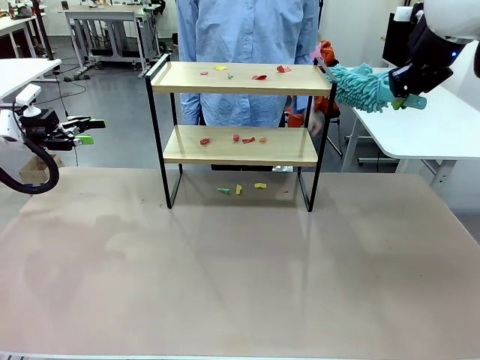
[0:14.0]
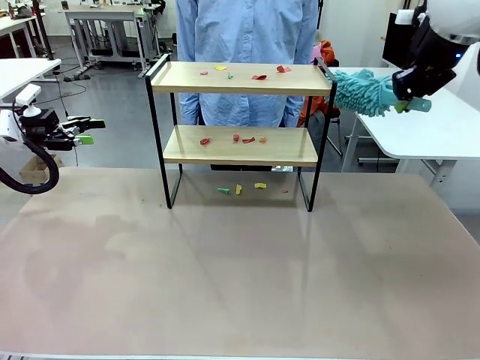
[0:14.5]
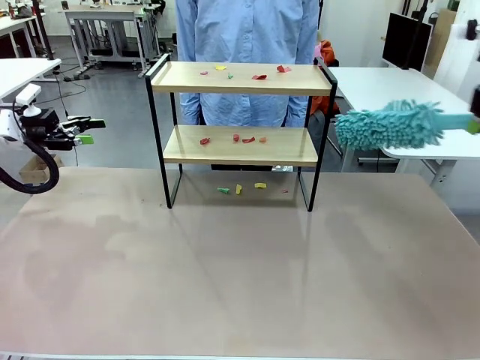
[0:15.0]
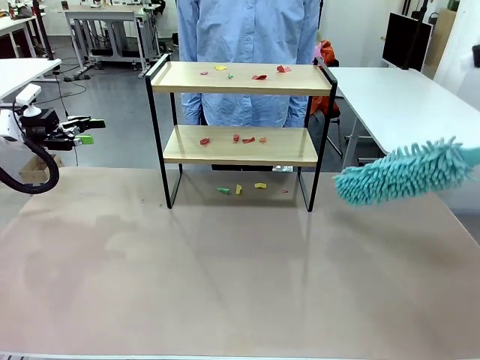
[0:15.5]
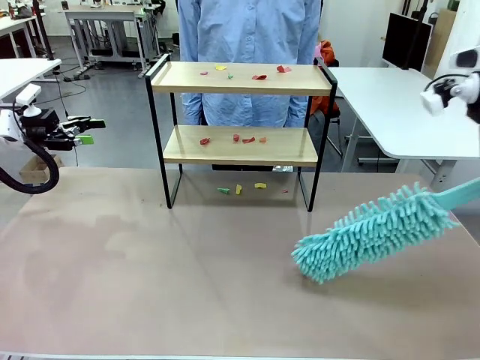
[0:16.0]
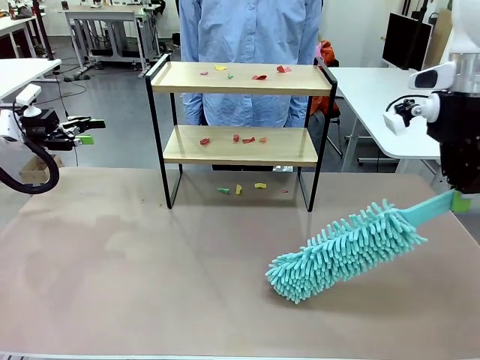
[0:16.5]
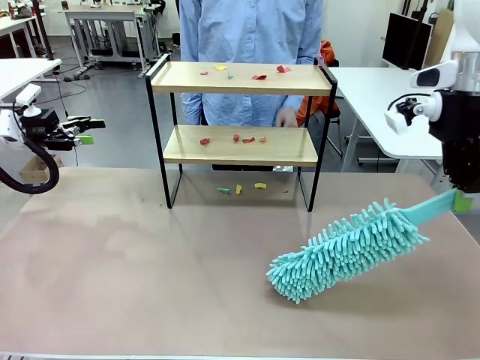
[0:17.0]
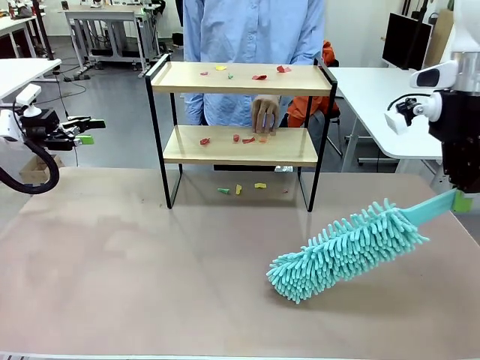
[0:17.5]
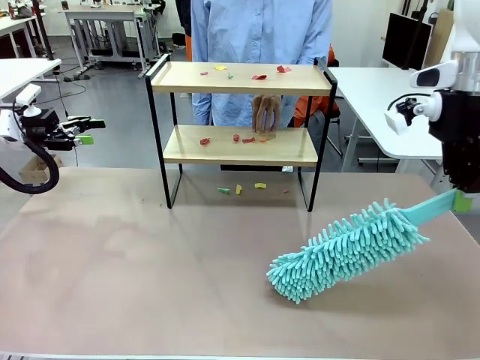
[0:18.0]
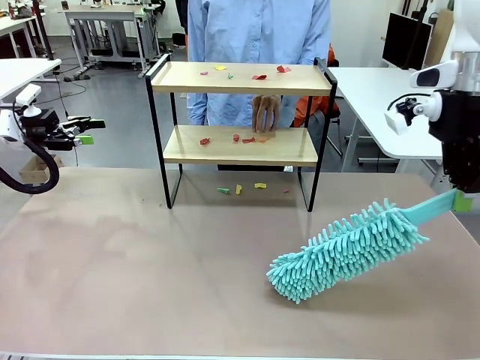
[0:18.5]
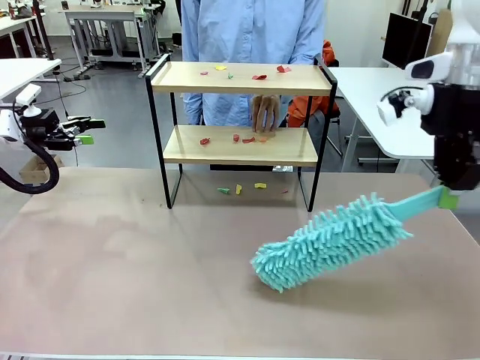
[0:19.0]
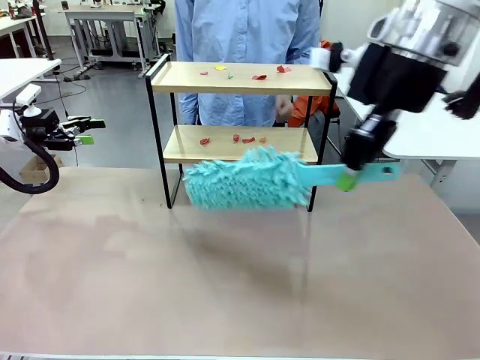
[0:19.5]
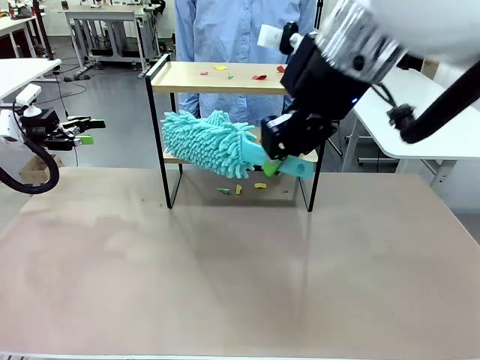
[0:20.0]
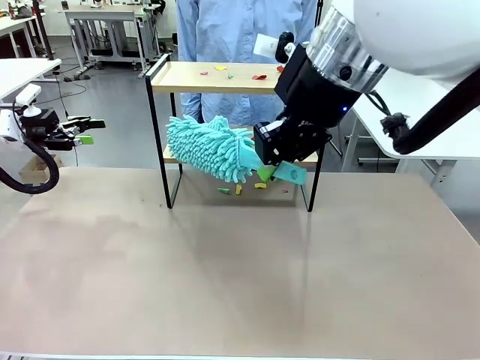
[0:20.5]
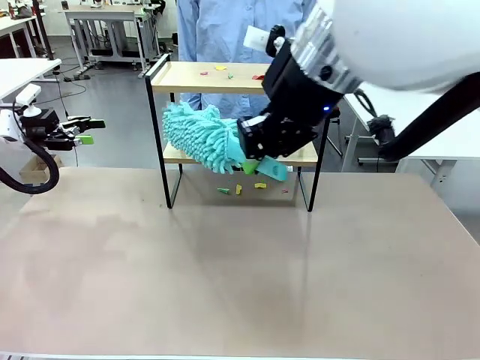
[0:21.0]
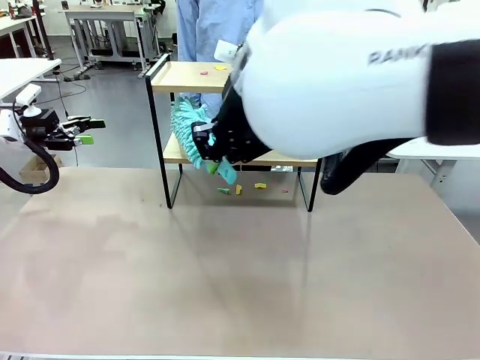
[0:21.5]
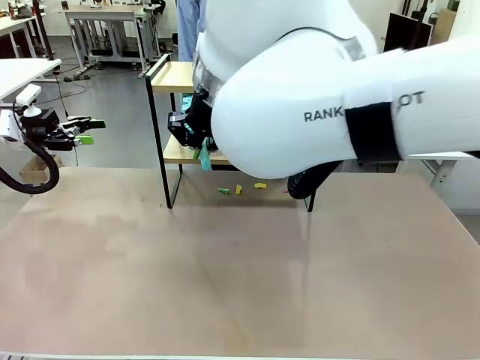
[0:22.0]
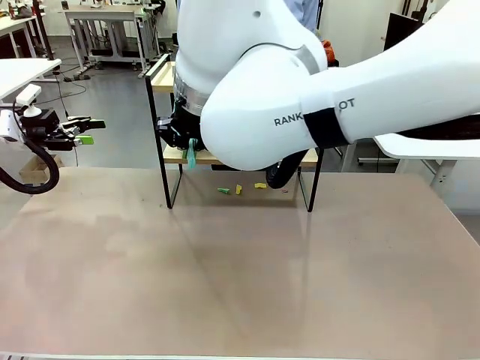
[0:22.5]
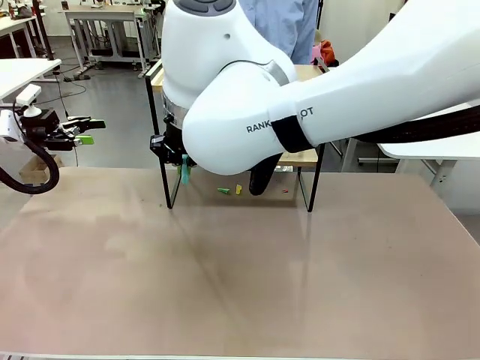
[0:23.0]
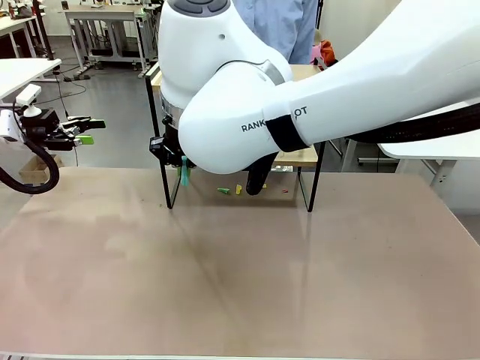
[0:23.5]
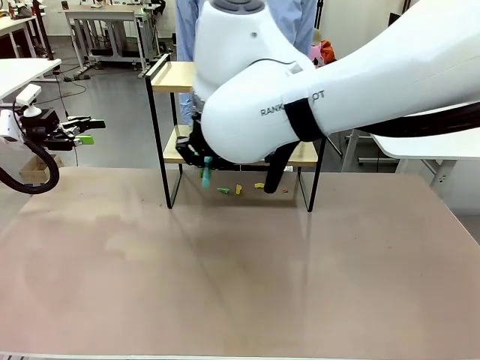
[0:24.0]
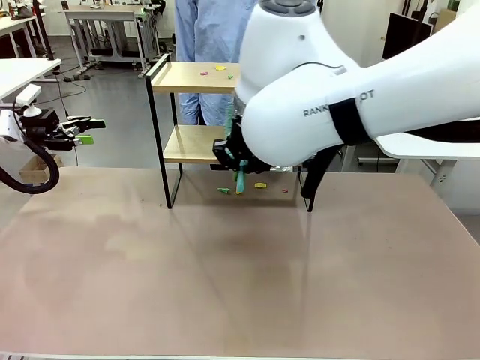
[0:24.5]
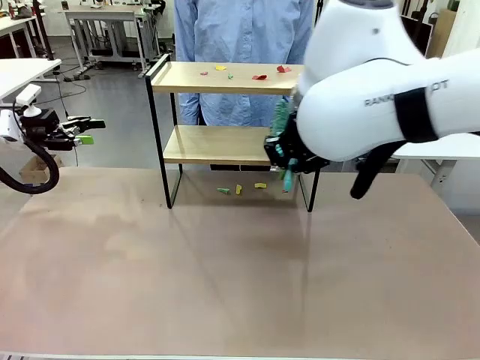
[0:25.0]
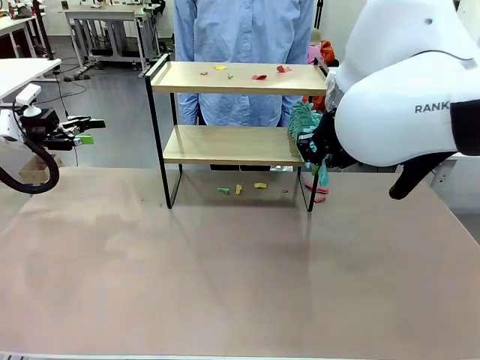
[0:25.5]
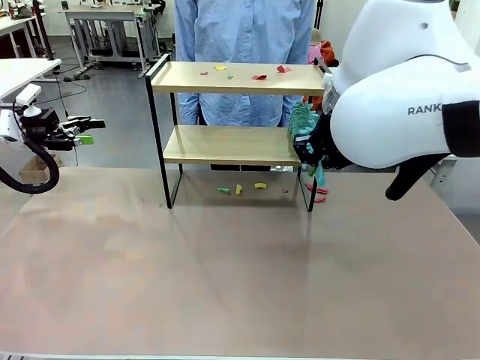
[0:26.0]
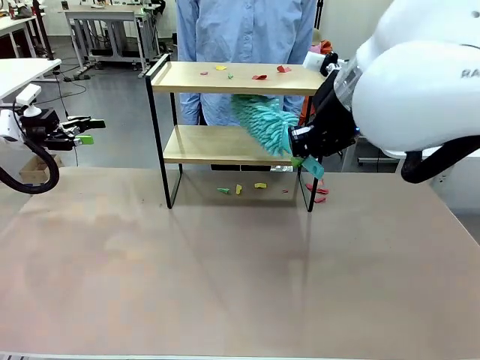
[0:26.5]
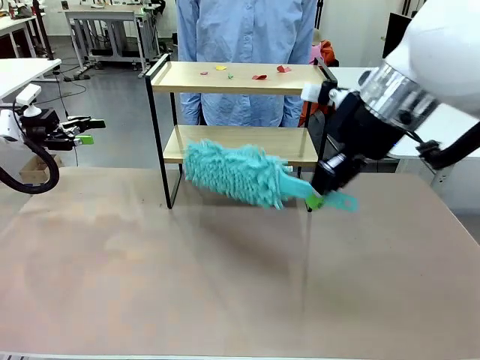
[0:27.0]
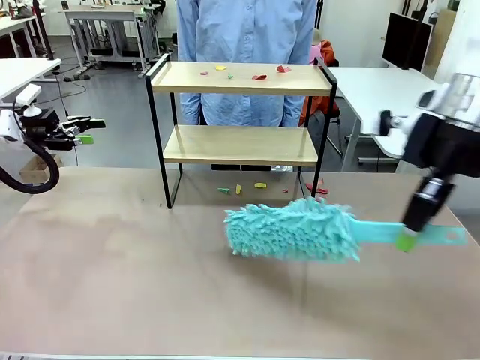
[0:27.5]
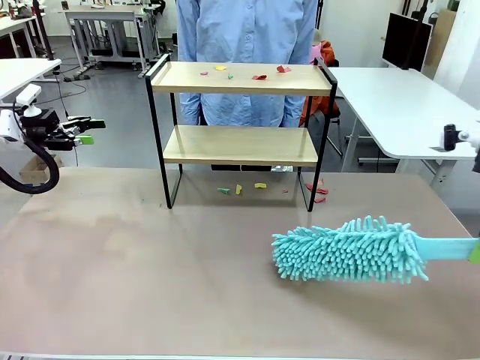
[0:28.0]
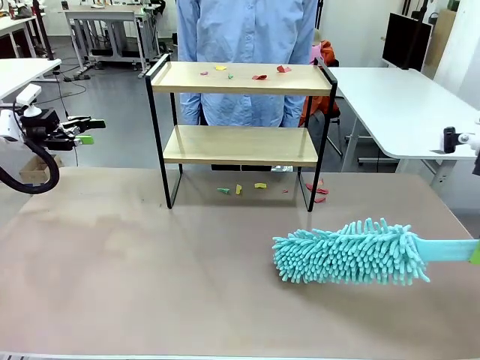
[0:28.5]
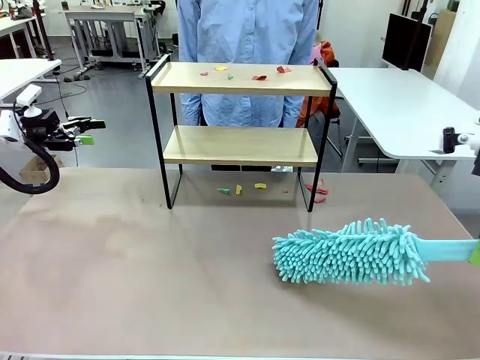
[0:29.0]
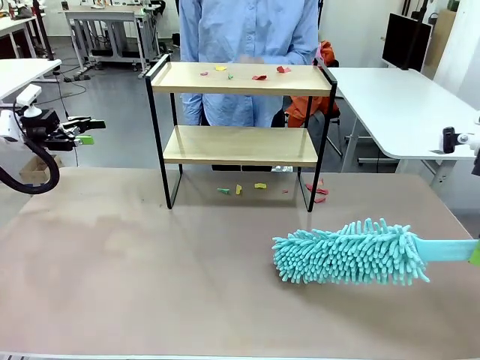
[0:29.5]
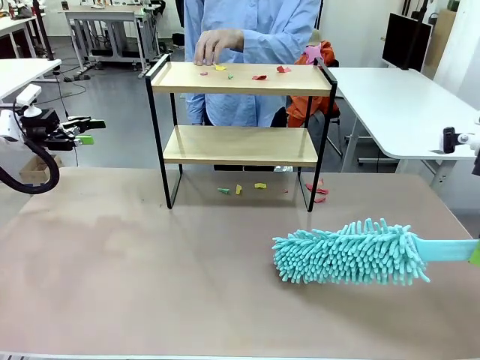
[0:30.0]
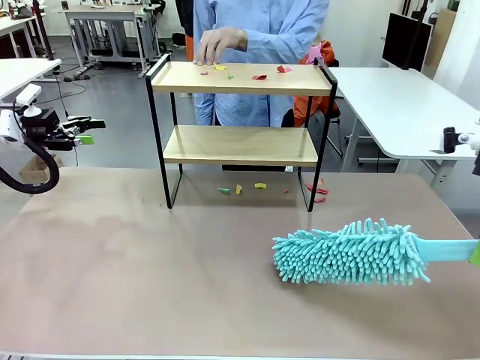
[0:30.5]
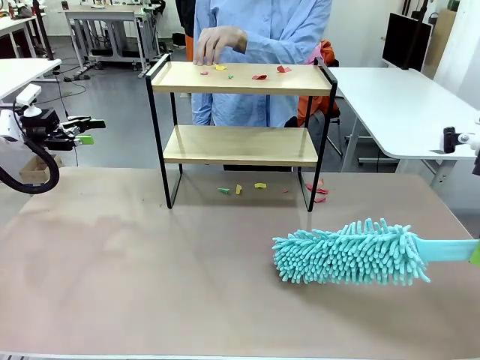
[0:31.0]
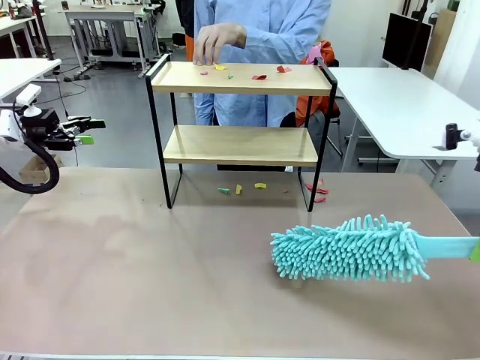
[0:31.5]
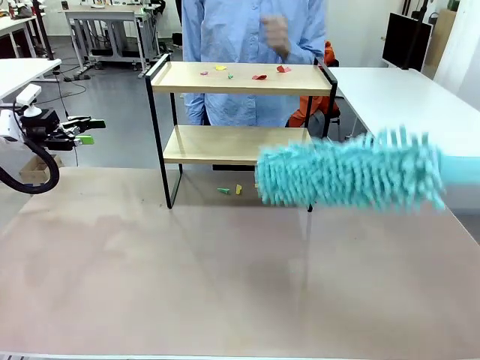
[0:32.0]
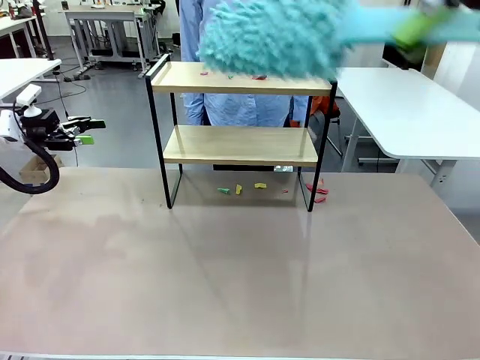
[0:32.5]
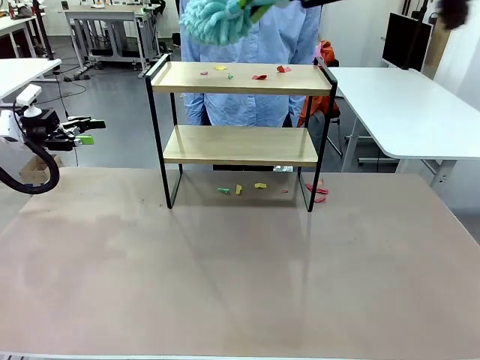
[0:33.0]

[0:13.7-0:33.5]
Task: Clean the shelf.
Robot: Clean the specific section of the Shelf indicated by the human with the Duster.
Person: Point a random section of the Shelf.
